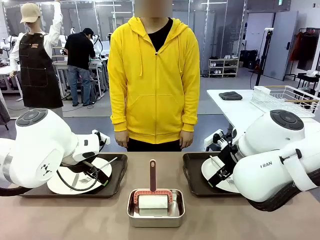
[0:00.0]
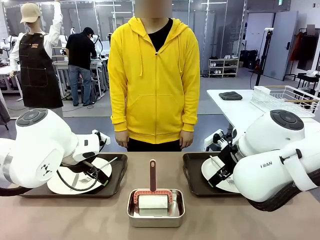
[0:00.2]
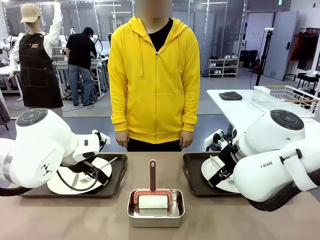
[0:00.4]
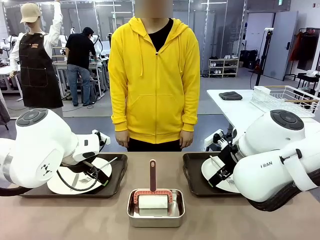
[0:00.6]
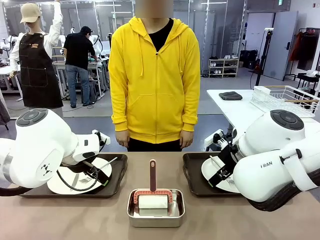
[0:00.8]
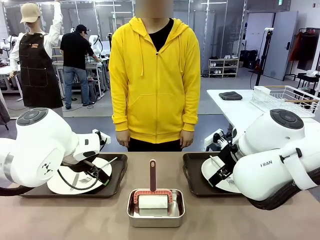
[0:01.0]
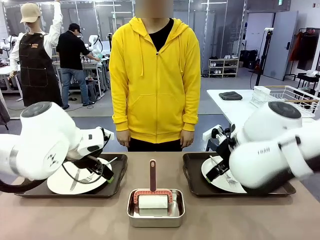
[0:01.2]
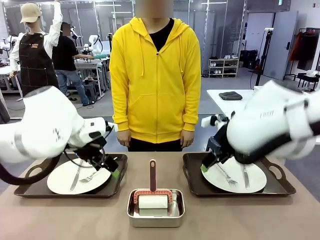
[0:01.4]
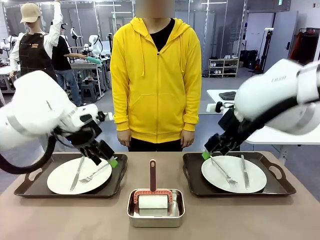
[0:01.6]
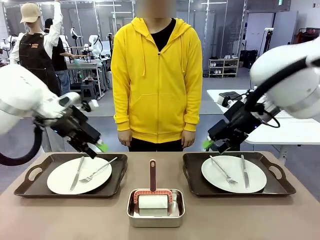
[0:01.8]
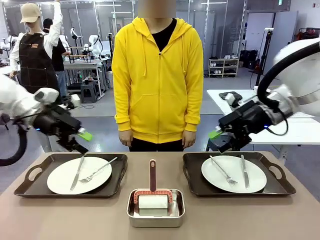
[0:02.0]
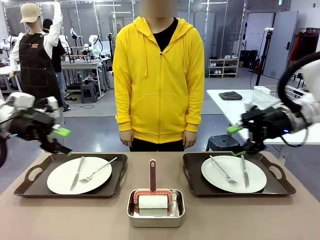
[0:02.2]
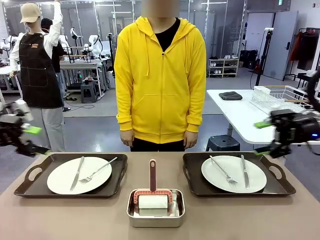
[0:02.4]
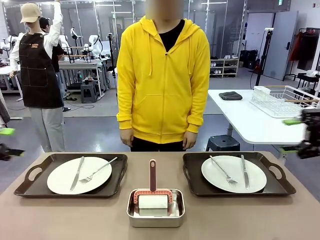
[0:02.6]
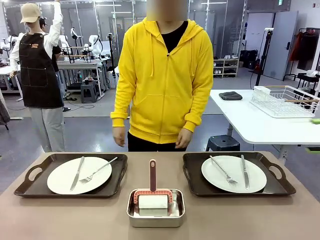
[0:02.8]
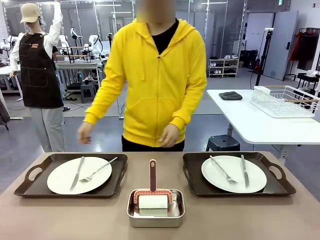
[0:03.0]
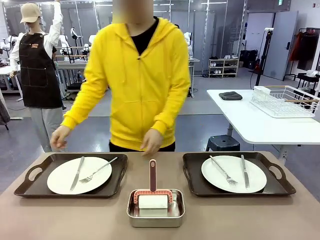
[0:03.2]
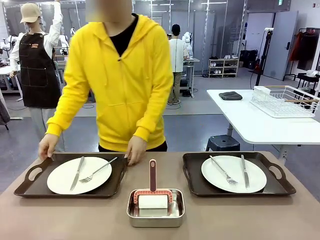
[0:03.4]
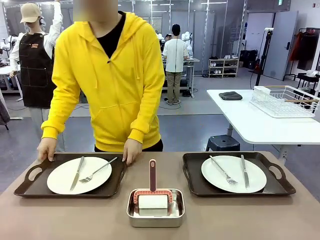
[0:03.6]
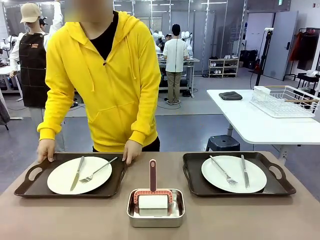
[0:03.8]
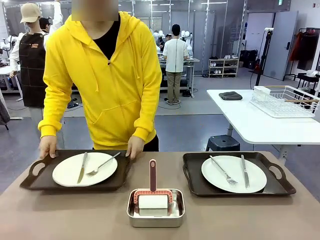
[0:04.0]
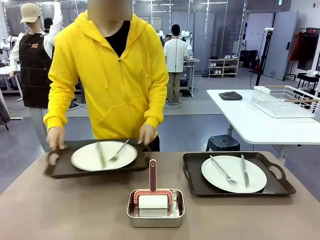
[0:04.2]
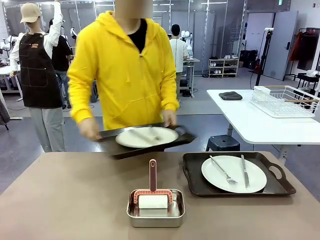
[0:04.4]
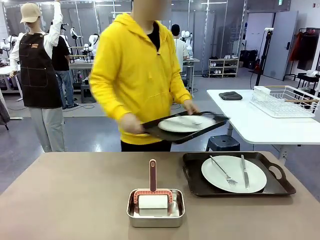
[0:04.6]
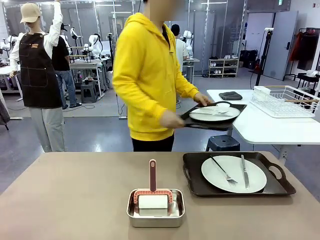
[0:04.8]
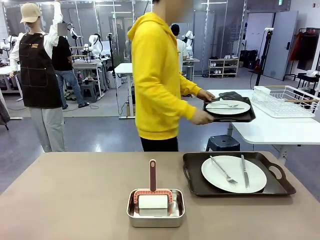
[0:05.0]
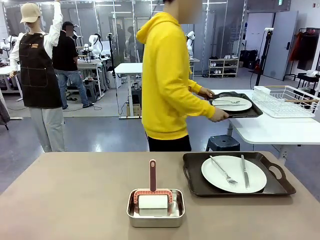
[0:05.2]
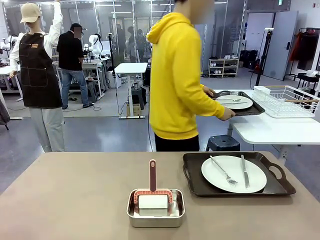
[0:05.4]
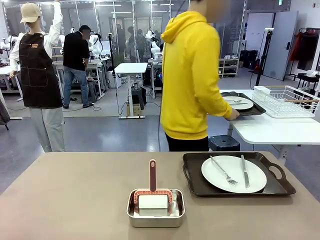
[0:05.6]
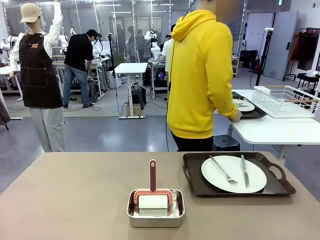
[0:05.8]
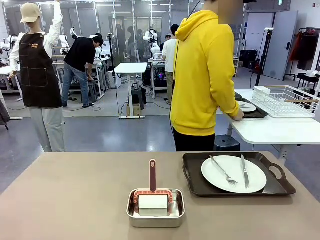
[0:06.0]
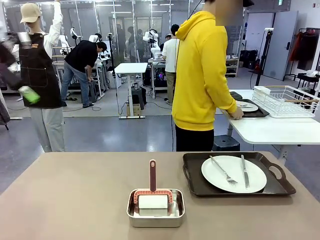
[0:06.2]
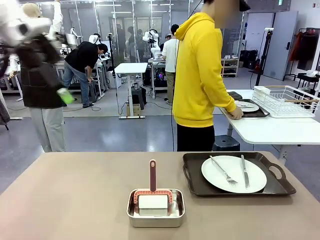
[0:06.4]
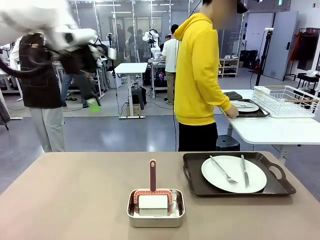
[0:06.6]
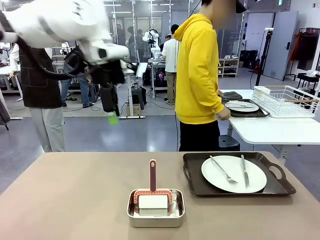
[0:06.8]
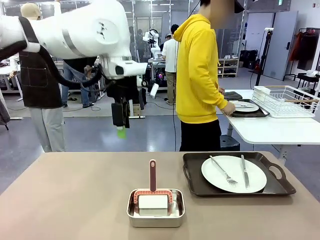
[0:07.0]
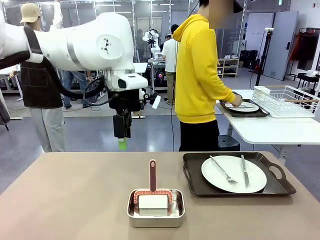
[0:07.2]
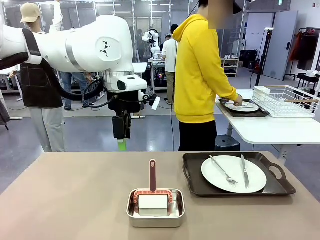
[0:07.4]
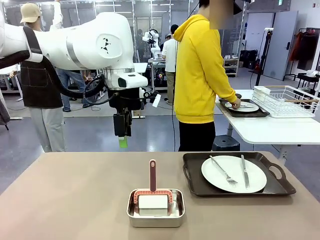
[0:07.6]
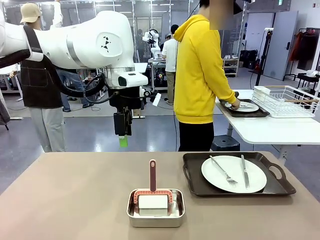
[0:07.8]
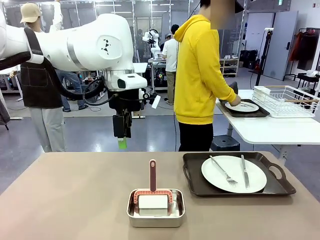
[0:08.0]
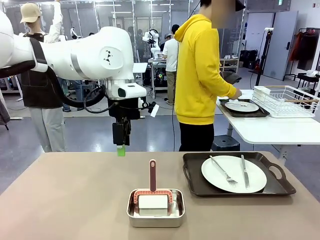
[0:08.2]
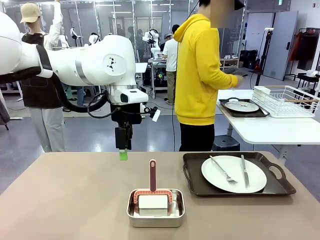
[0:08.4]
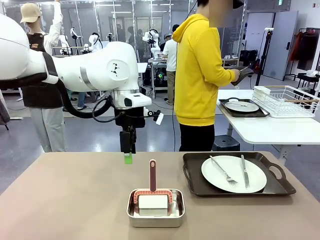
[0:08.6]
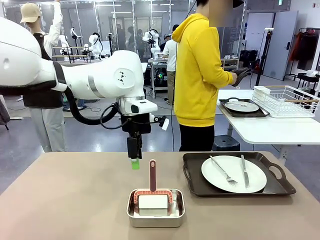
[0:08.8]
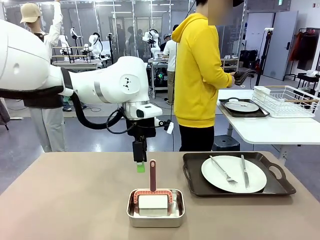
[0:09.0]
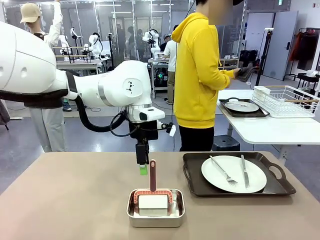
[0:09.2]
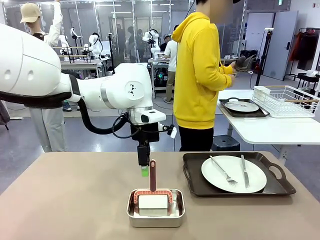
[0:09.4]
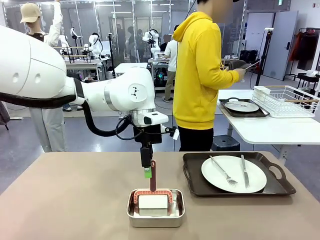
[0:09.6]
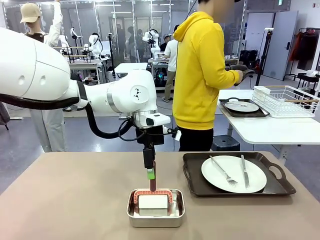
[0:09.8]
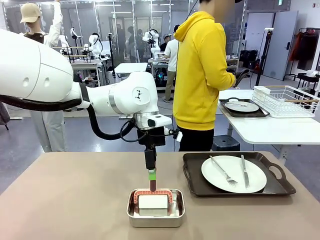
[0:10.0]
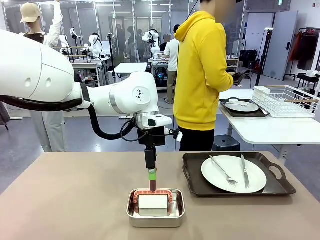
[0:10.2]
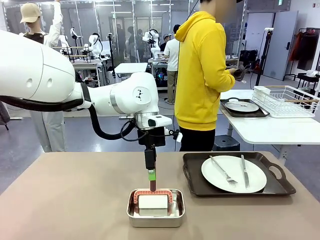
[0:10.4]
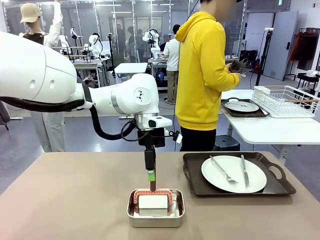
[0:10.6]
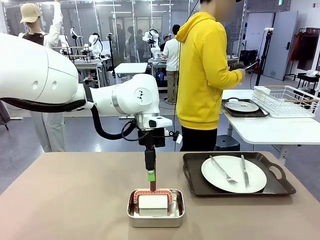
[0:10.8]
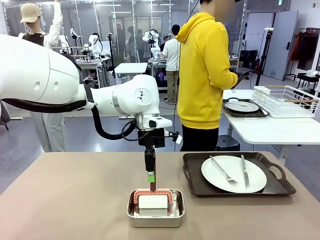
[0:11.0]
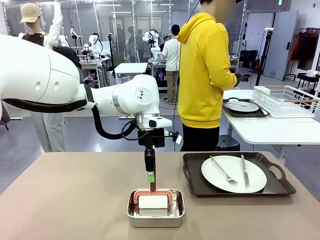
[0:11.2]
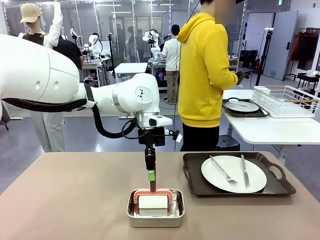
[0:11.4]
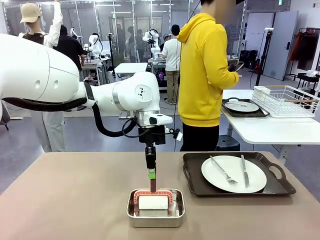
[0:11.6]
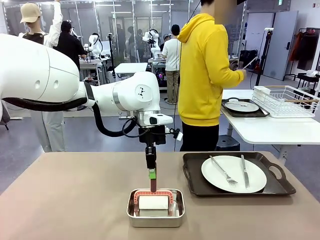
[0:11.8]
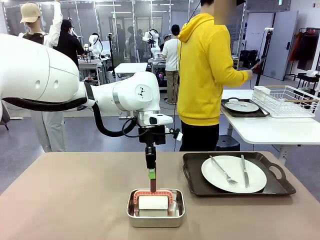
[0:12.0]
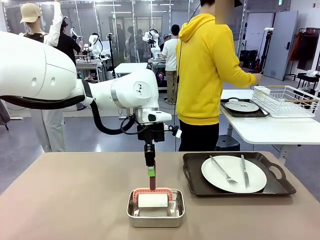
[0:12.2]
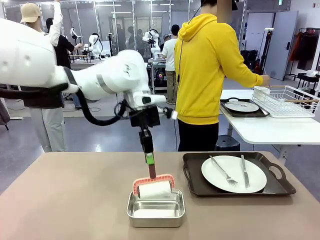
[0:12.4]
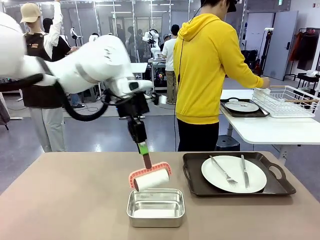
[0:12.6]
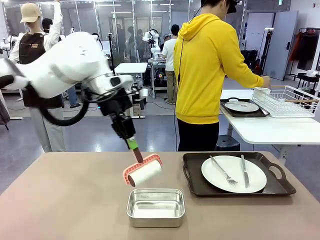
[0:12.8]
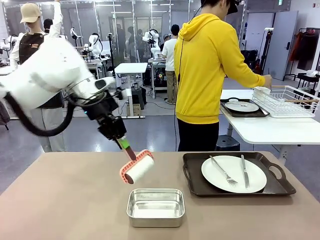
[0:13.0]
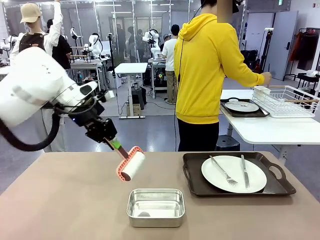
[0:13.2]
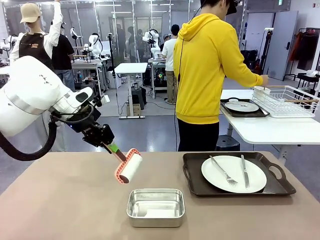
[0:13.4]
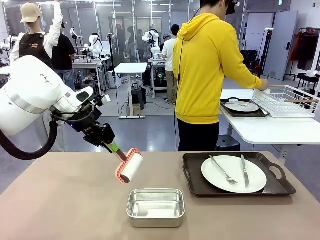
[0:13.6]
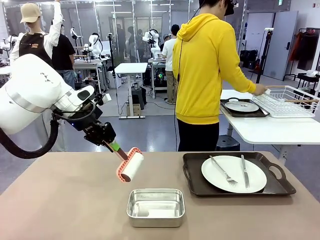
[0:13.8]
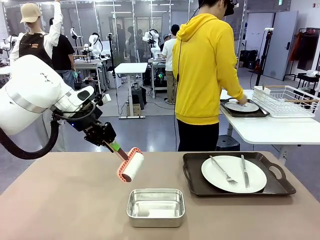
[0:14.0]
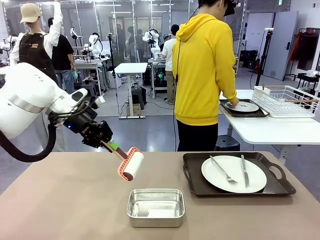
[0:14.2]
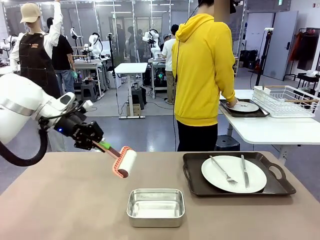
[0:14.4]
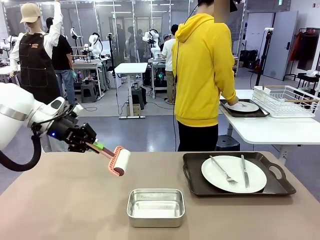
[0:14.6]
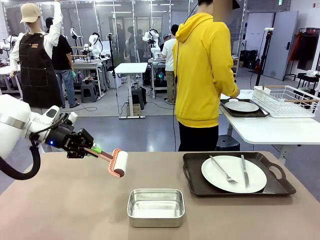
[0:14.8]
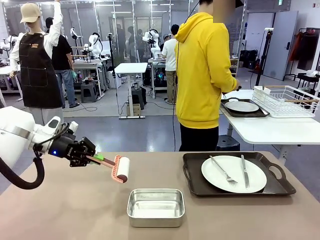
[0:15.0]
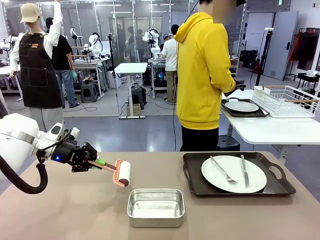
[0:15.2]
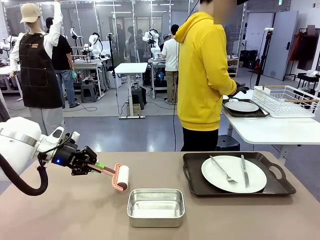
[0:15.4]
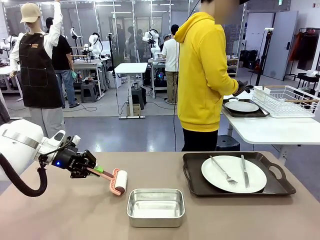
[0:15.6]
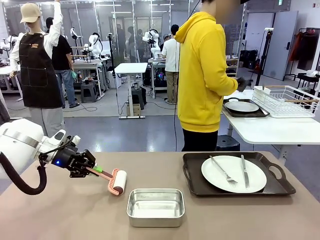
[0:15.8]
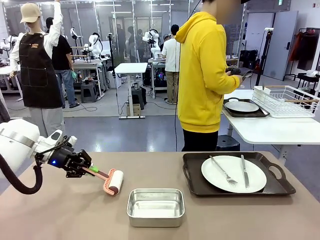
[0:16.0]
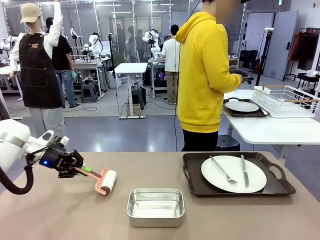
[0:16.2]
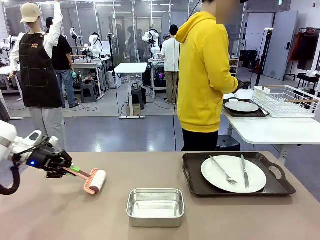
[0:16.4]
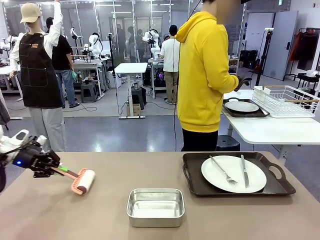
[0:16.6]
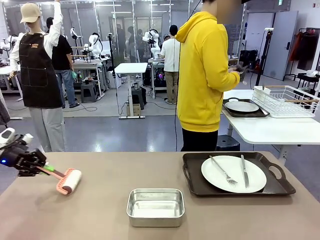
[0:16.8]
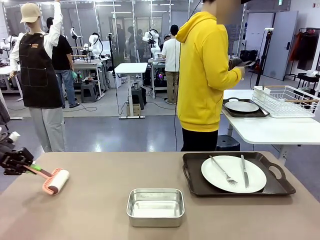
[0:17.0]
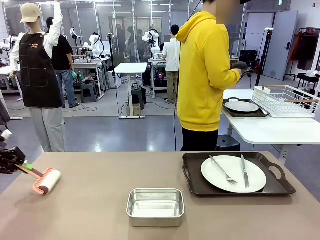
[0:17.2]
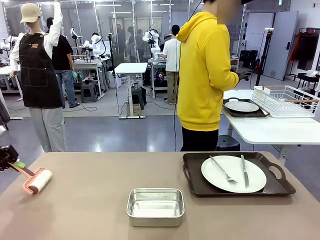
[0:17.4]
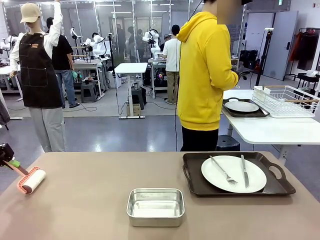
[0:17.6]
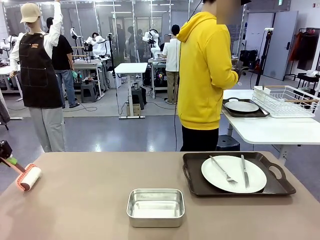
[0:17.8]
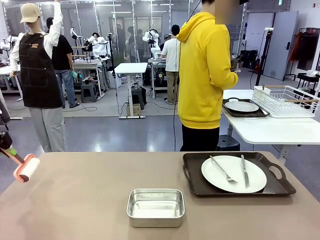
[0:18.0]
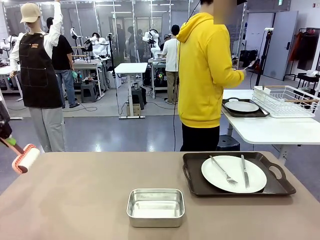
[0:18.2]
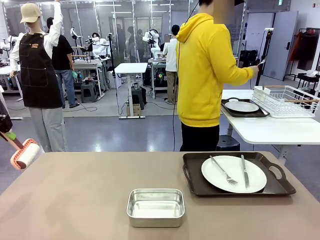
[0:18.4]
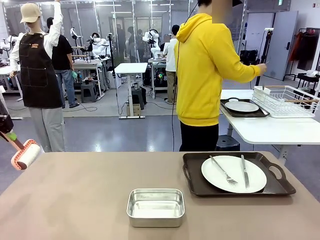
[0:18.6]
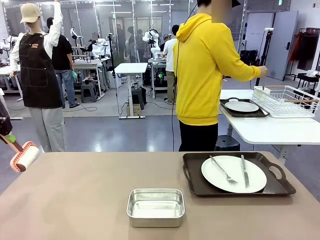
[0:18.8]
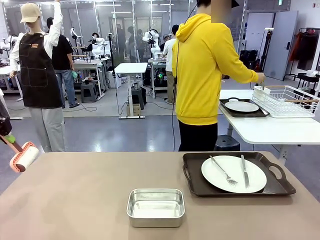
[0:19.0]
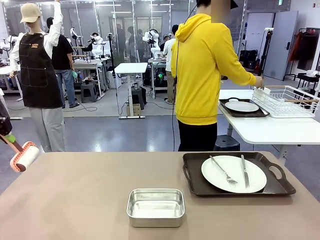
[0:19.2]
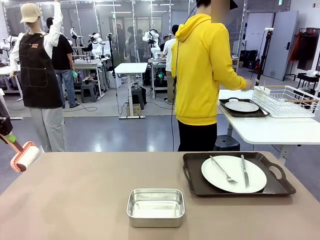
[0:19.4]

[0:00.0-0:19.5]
Robot: When the left (or right) Handle tray is removed, use the left hand (or right hand) to clean the left (or right) side of the table with the Lint Roller.
Person: Pick up the left (or right) Handle tray and place it on the middle of the Human's table. Use the Towel with hook to wipe the Plastic Matte Plate , Fork , and Knife and place into the Dish drying rack.
